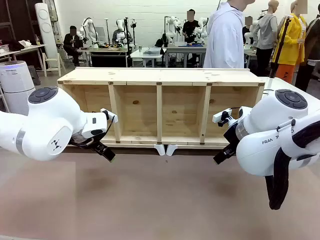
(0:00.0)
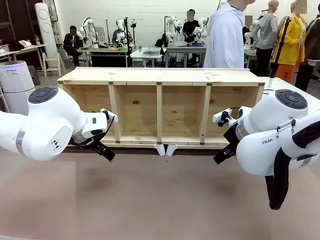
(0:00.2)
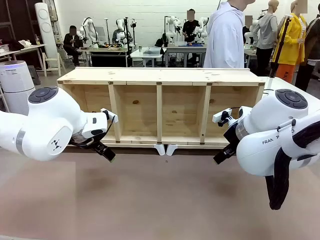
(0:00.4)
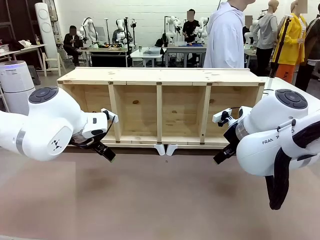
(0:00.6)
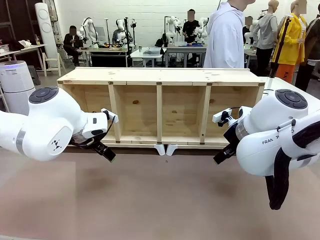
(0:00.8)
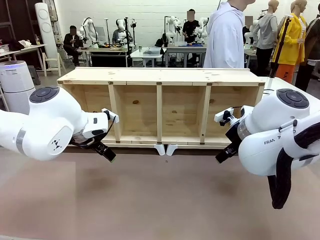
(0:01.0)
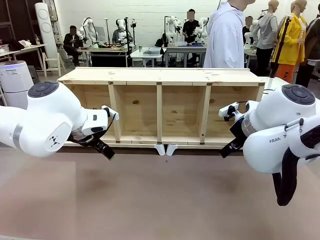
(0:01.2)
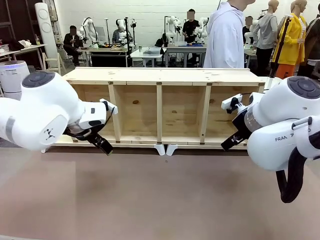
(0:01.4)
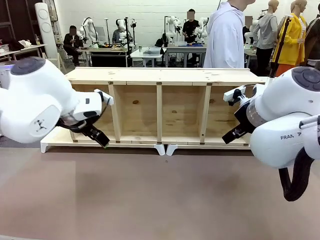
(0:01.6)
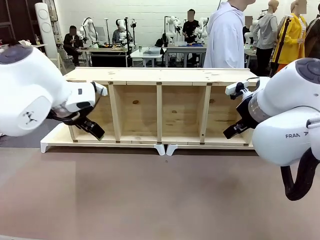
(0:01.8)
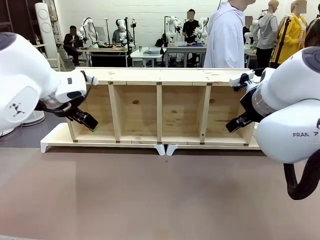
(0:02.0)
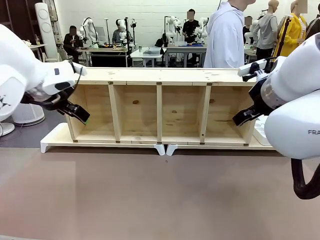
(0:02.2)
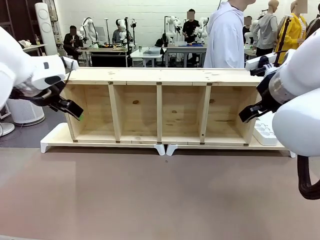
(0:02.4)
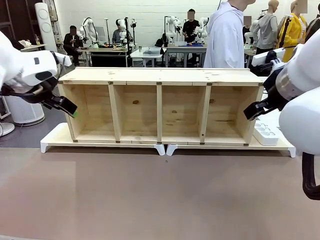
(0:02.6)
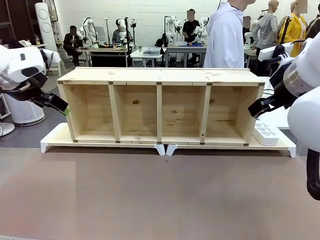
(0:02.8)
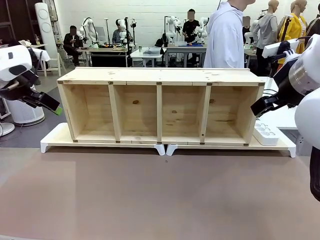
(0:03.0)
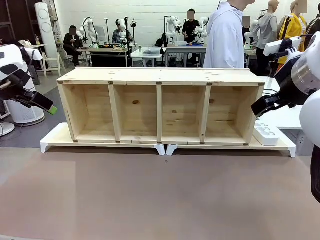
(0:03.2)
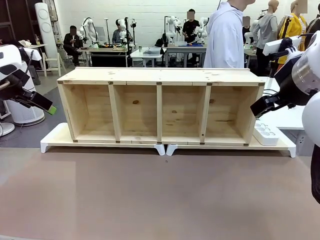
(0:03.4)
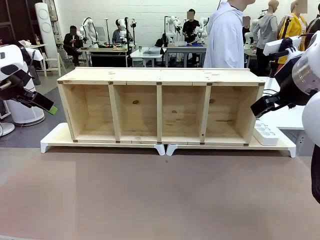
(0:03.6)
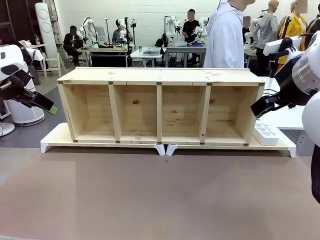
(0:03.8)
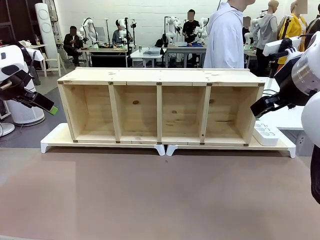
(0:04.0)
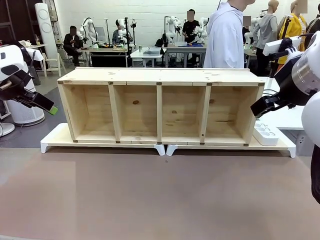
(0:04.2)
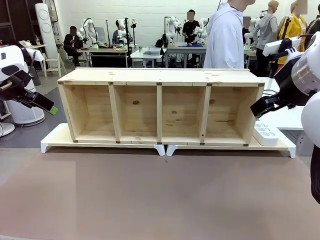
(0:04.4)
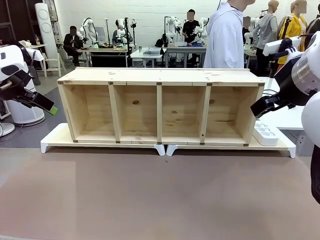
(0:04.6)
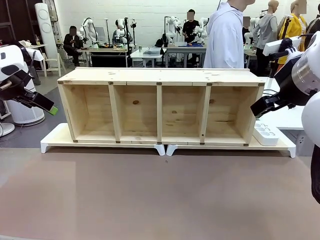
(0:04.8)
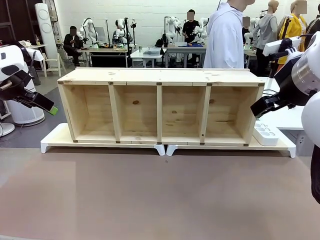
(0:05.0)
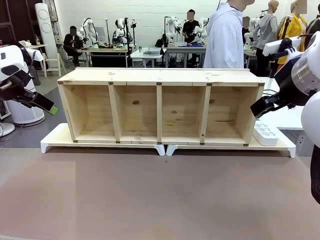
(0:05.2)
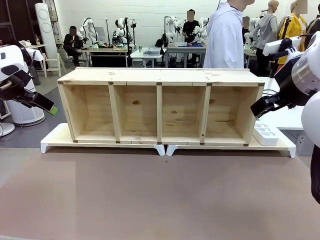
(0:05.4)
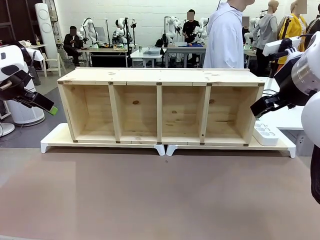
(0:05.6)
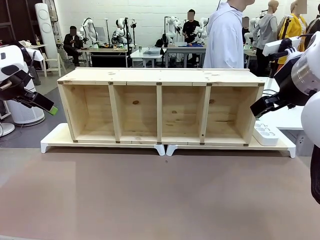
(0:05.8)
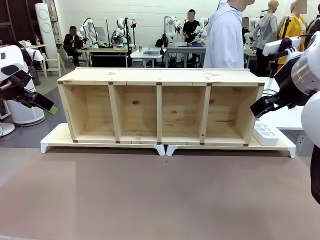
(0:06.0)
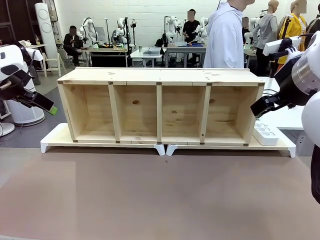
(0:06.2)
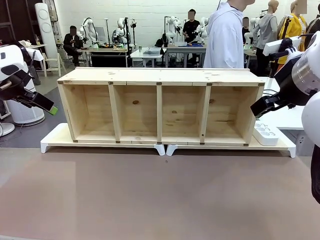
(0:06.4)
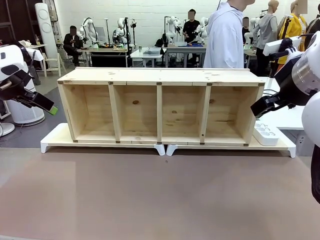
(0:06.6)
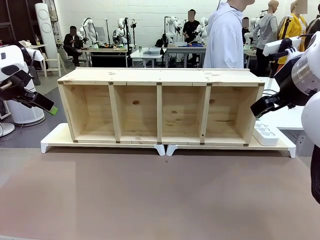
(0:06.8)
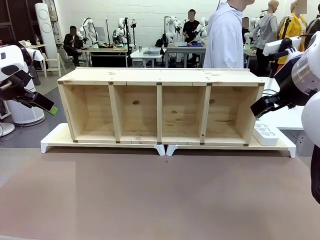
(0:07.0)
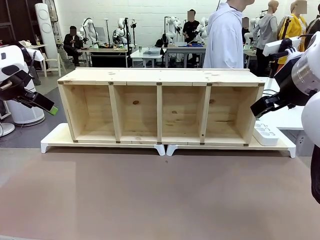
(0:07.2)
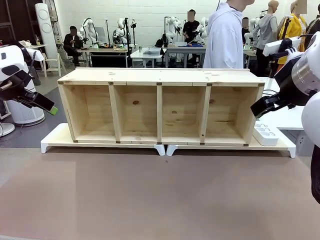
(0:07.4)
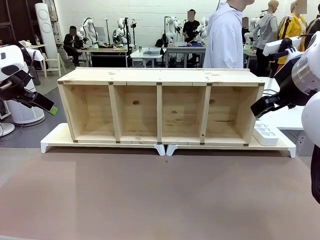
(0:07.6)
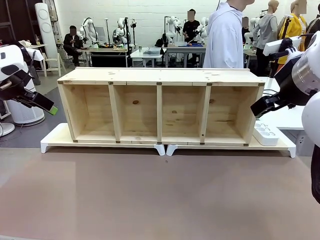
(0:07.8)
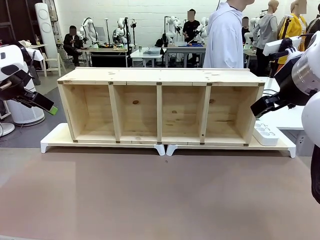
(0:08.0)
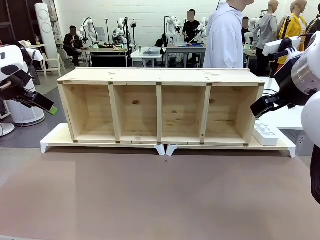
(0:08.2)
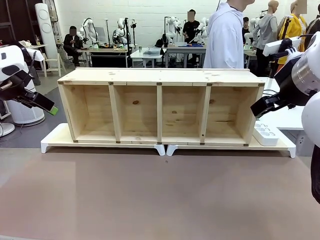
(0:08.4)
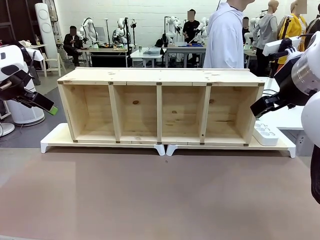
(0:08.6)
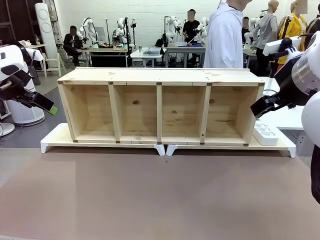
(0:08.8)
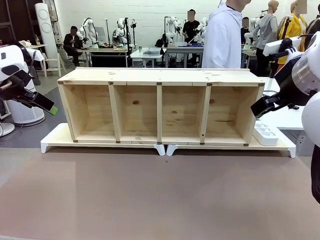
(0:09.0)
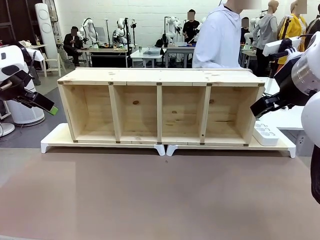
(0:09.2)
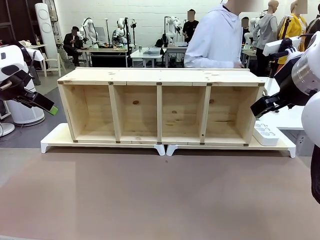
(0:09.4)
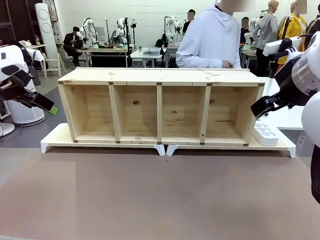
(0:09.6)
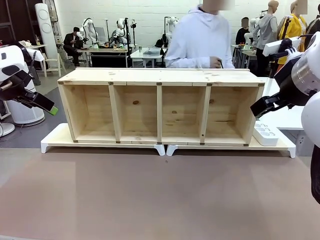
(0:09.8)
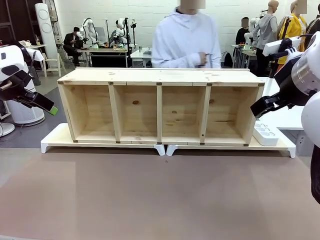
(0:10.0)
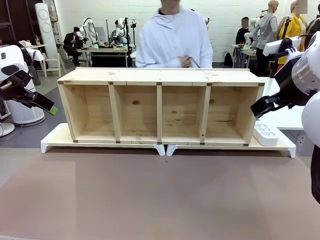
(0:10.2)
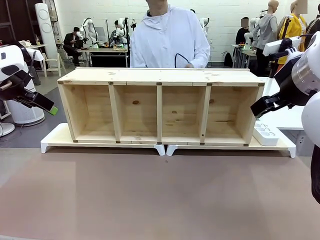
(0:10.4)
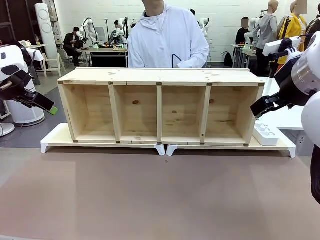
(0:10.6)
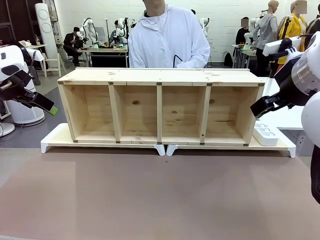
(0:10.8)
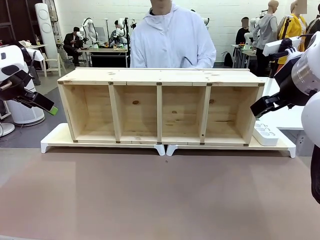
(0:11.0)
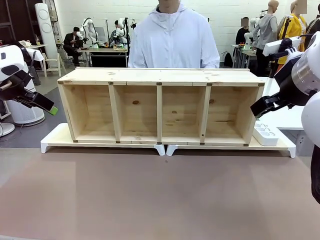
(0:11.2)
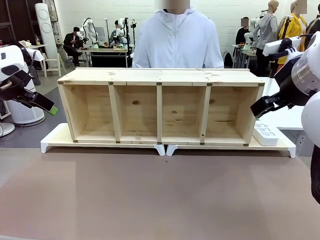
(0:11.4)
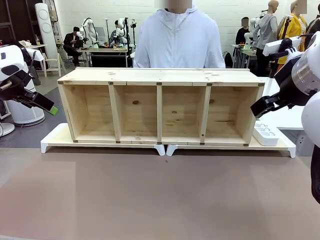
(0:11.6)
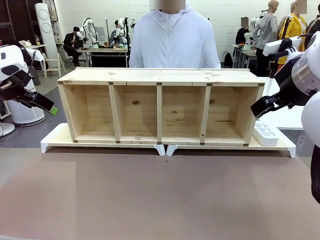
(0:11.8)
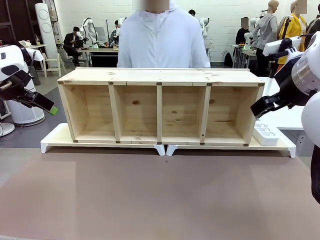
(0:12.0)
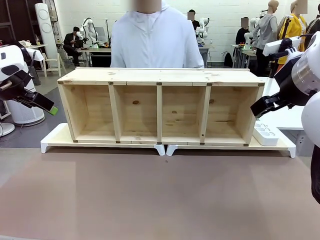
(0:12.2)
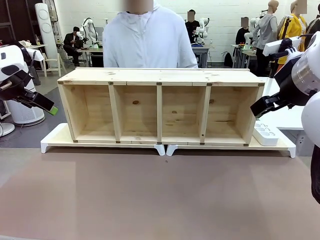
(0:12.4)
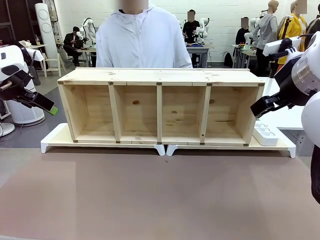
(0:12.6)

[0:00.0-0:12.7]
Task: Perform cable management.
Robot: When the cord part of the Power Cable appears at the lower middle area of the table and stops, grasp the cord part of the Power Cable.
Person: Pass the Power Cable under the Serving Table.

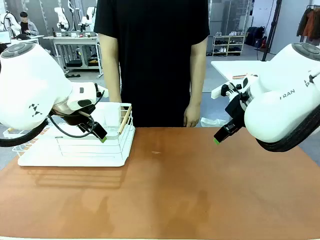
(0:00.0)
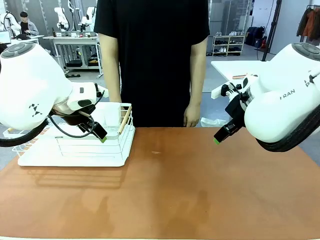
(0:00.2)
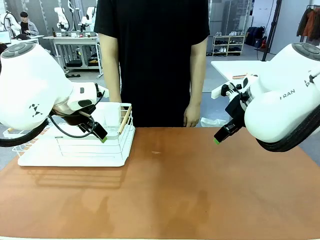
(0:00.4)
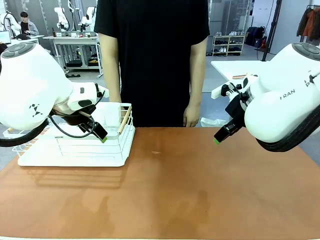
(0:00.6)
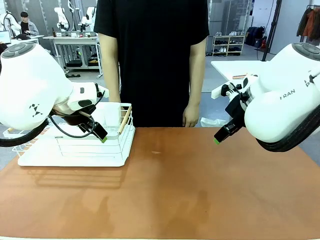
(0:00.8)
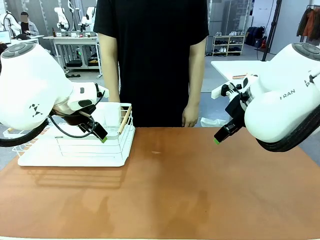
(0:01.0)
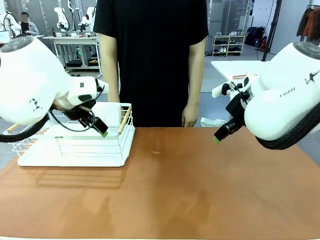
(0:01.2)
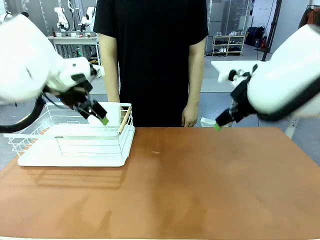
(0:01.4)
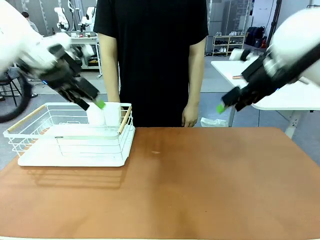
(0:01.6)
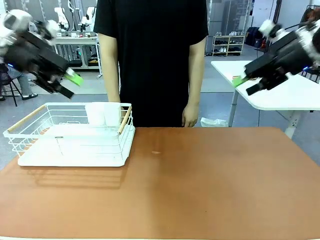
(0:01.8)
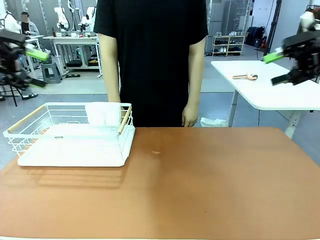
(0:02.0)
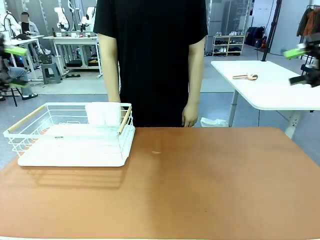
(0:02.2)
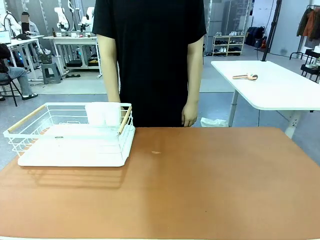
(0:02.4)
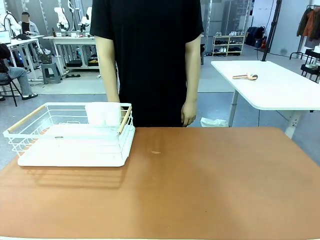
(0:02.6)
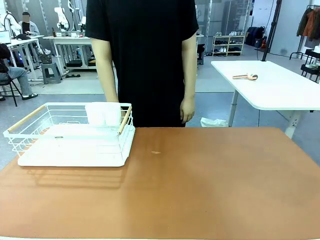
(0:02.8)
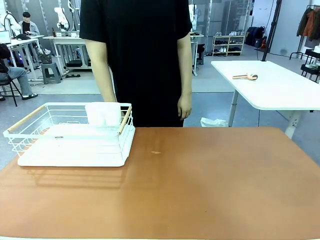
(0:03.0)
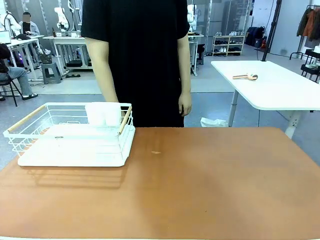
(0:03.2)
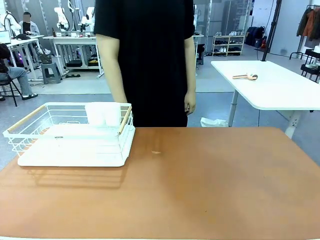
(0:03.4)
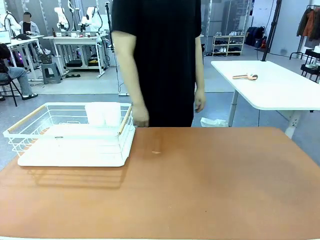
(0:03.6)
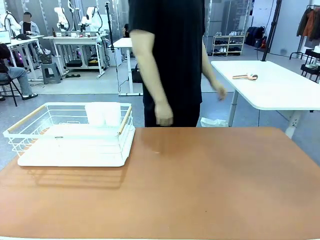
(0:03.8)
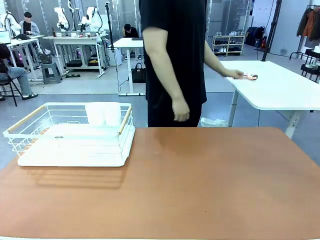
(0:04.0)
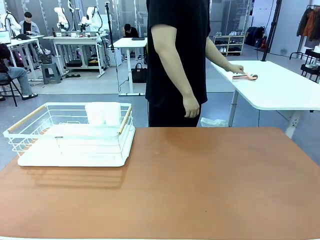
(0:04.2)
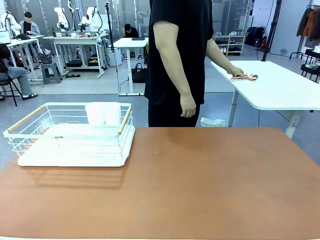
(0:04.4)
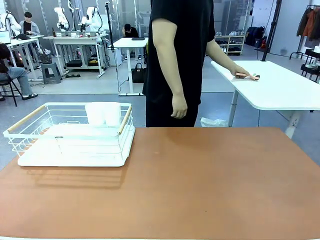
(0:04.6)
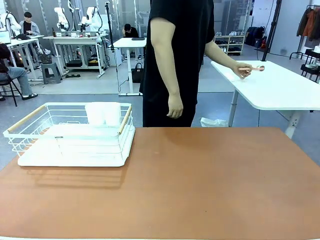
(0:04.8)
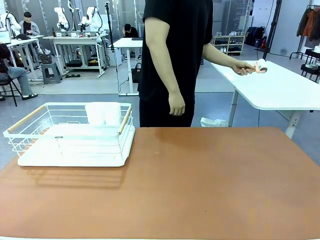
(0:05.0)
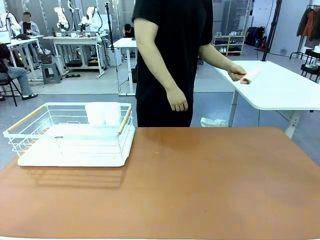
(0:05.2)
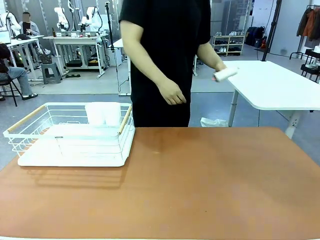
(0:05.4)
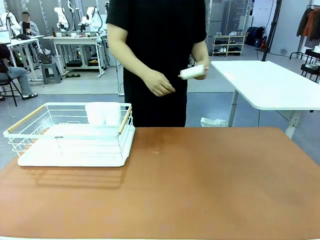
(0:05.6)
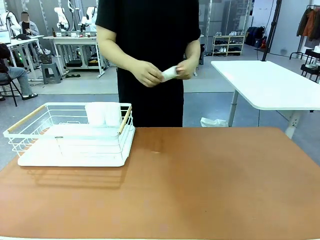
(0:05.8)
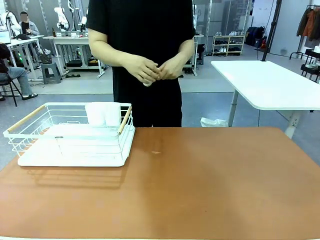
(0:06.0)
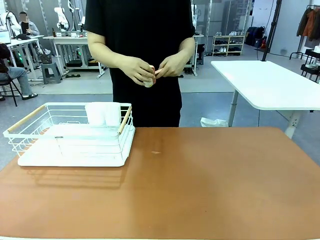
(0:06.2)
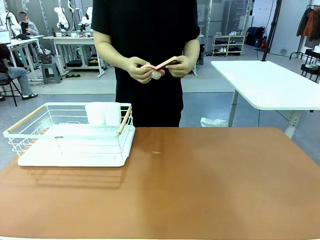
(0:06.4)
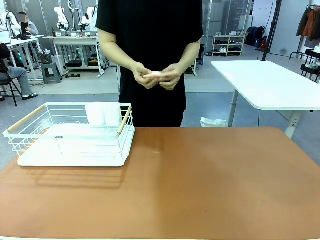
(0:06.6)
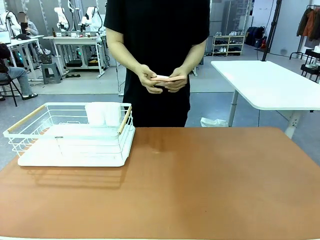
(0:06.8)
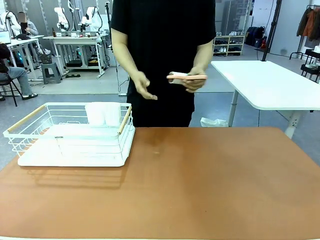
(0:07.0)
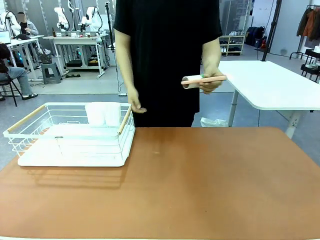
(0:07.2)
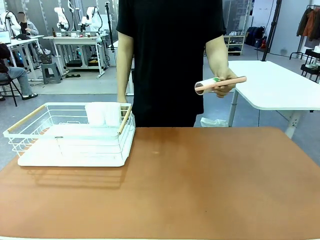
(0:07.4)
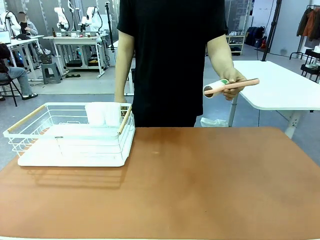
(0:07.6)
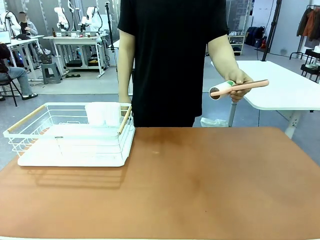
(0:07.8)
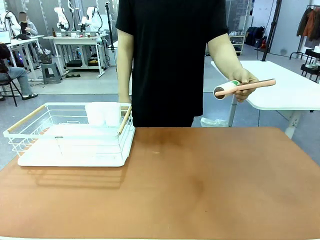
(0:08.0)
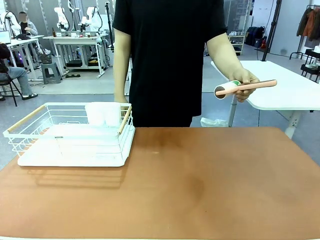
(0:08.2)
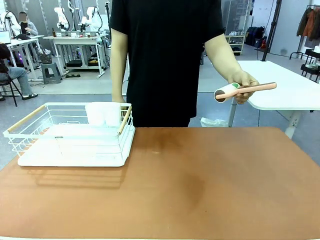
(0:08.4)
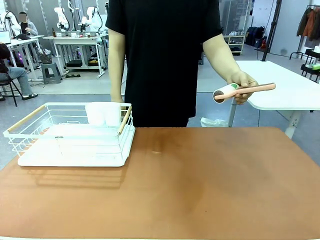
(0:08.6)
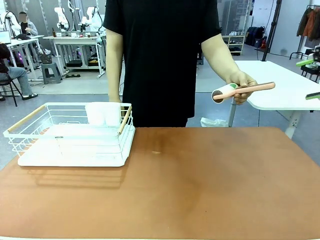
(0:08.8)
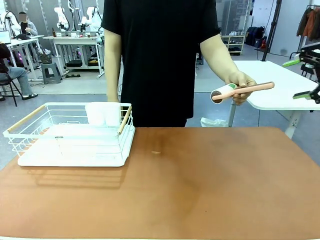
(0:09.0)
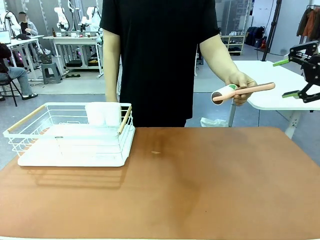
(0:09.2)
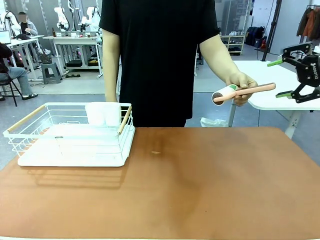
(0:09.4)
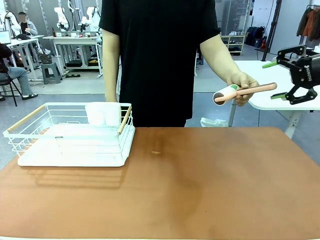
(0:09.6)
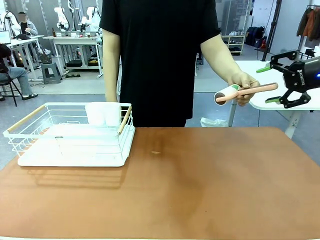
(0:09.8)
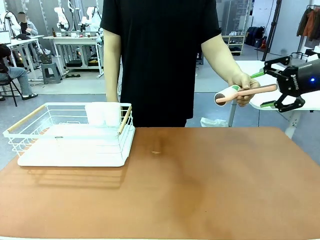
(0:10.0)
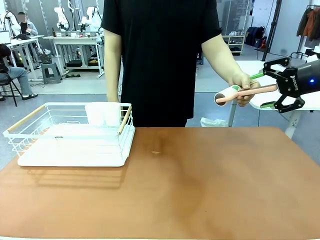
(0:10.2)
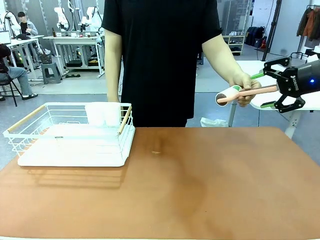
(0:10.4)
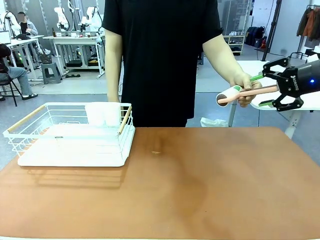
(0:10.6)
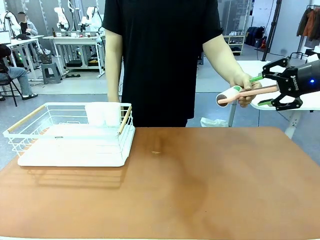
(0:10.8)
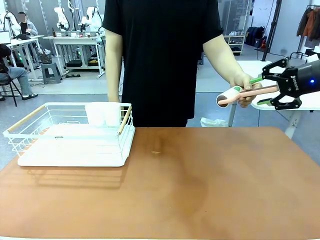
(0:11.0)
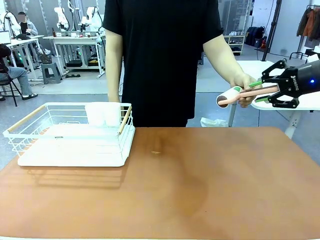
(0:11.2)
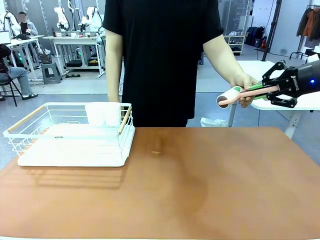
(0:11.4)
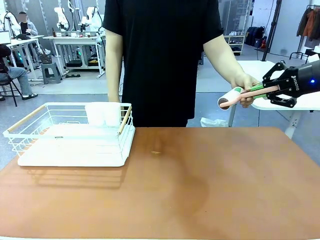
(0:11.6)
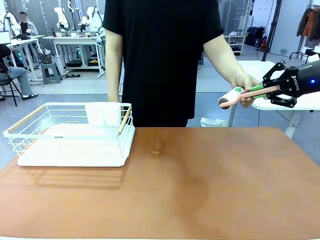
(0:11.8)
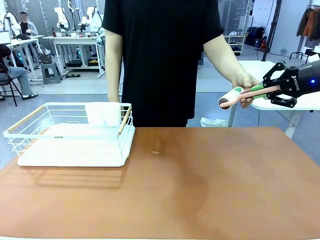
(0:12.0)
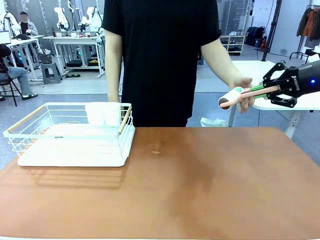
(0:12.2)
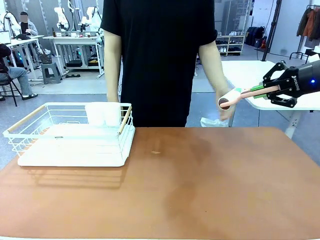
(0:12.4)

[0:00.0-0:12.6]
Task: Clean the table.
Robot: Pick up the Lint Roller when the human hands it over.
Person: Hand the Lint Roller to the robot so it can easily pick it up. Lift the Dish drying rack.
